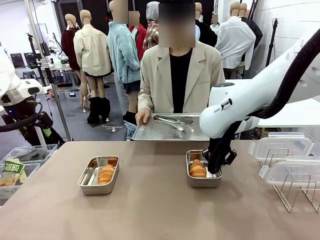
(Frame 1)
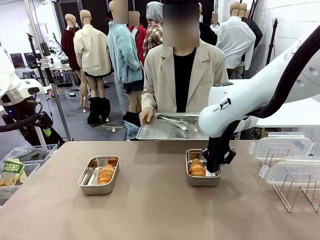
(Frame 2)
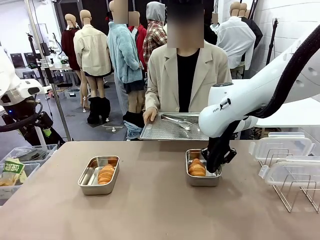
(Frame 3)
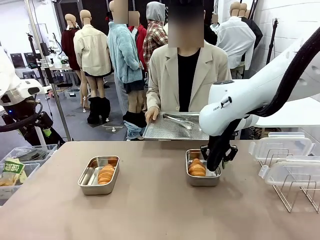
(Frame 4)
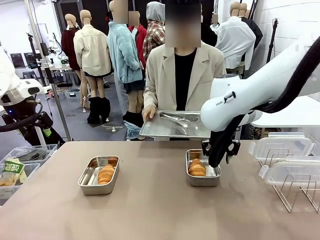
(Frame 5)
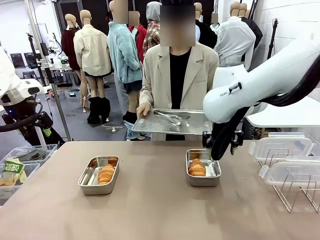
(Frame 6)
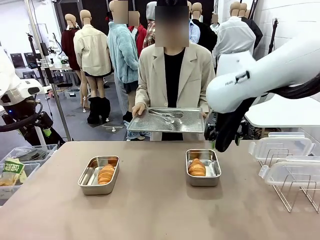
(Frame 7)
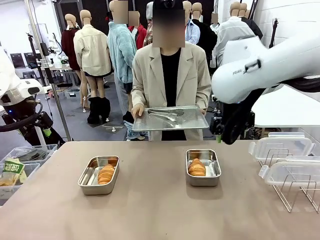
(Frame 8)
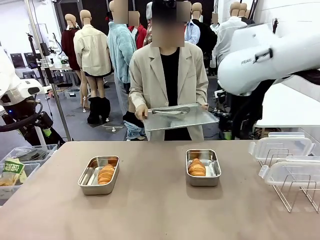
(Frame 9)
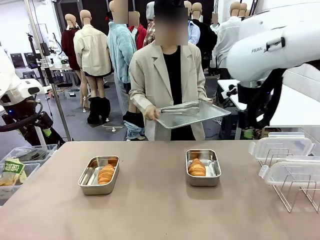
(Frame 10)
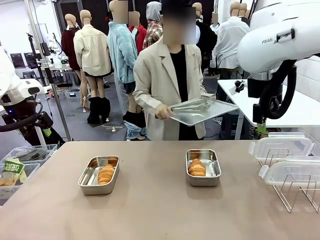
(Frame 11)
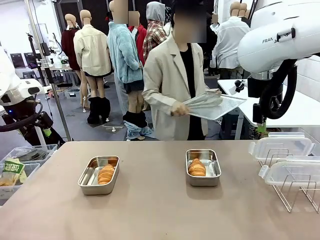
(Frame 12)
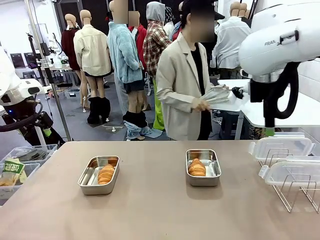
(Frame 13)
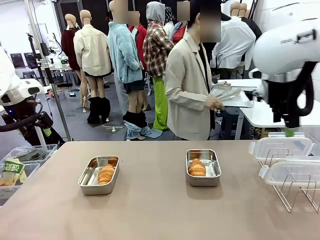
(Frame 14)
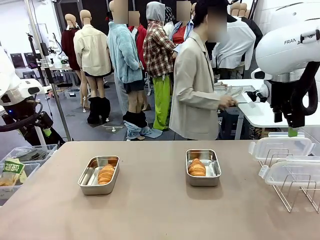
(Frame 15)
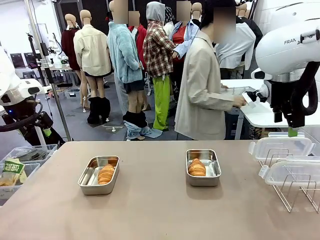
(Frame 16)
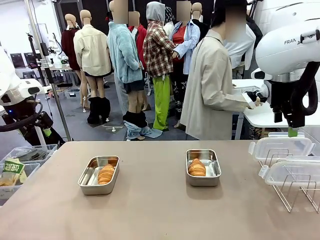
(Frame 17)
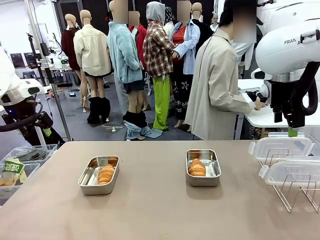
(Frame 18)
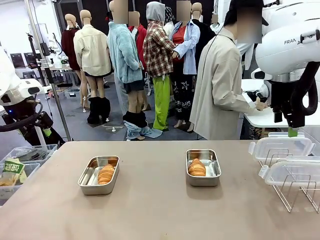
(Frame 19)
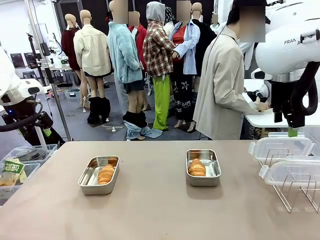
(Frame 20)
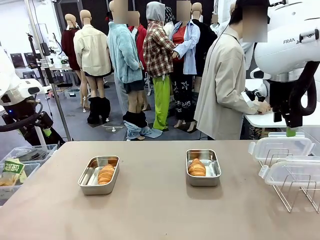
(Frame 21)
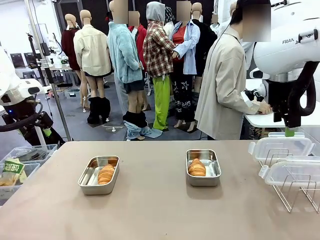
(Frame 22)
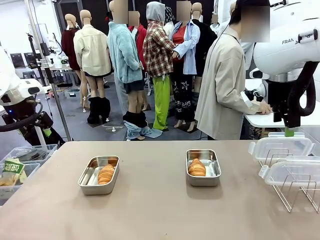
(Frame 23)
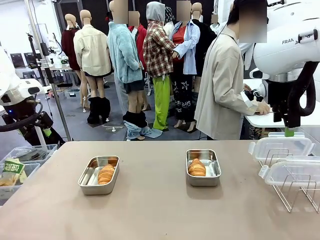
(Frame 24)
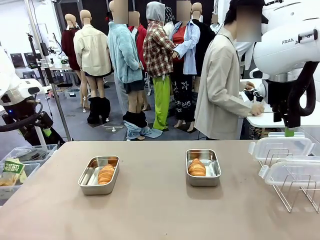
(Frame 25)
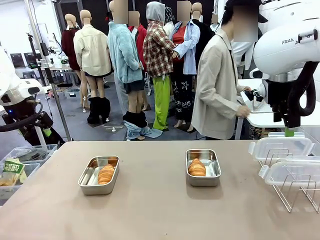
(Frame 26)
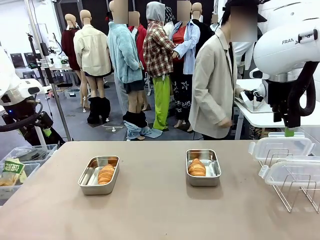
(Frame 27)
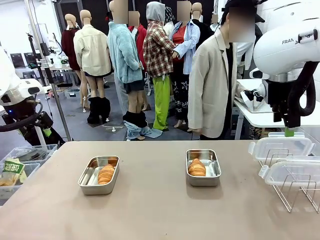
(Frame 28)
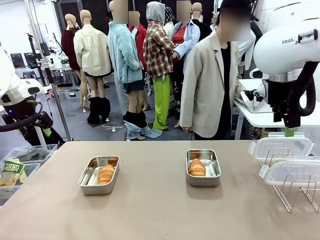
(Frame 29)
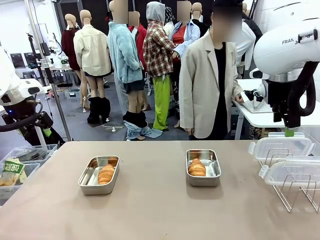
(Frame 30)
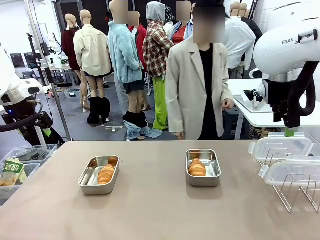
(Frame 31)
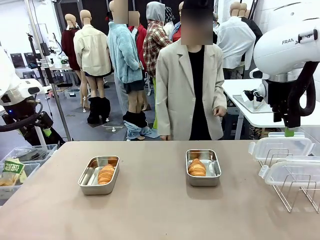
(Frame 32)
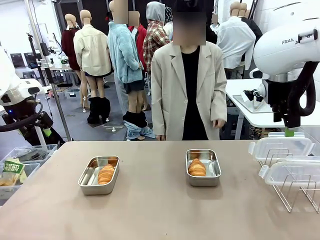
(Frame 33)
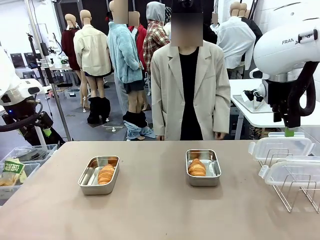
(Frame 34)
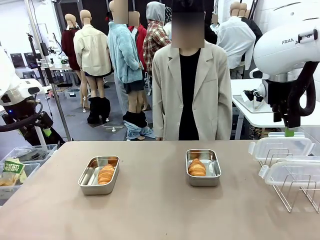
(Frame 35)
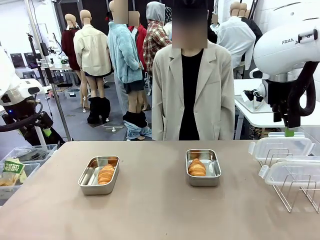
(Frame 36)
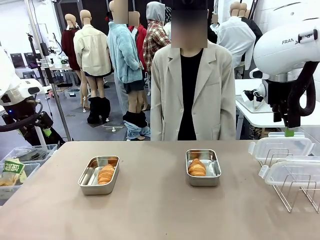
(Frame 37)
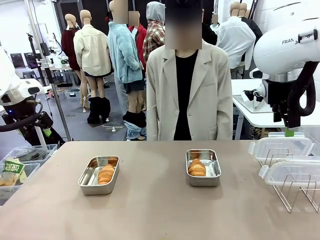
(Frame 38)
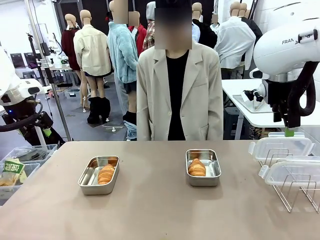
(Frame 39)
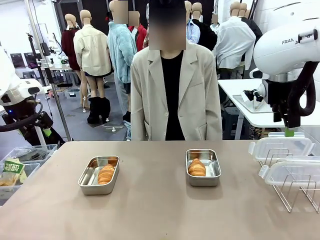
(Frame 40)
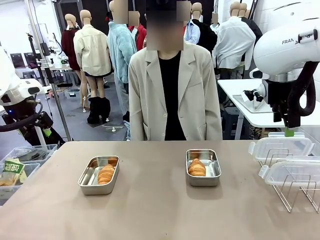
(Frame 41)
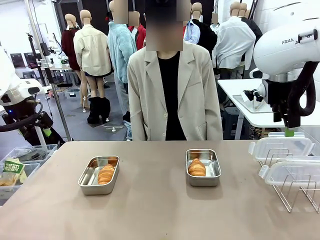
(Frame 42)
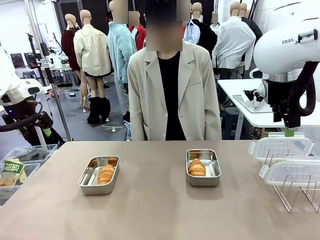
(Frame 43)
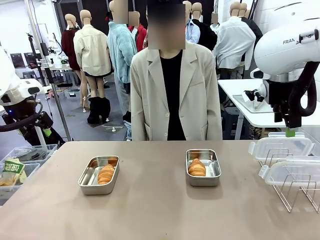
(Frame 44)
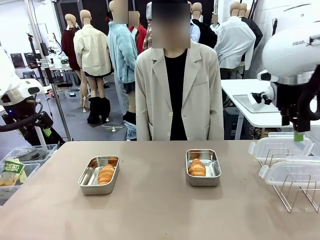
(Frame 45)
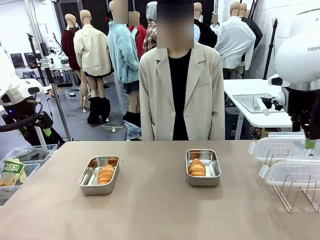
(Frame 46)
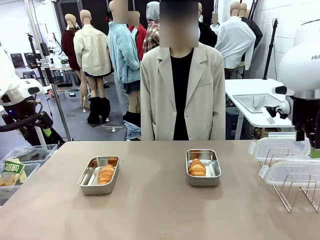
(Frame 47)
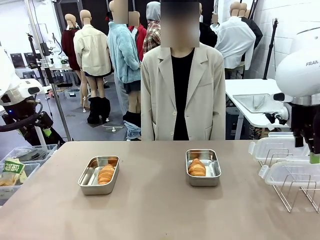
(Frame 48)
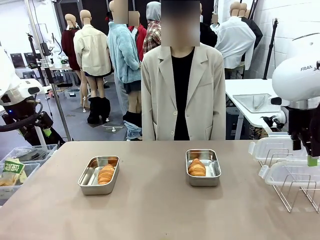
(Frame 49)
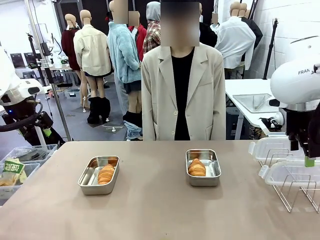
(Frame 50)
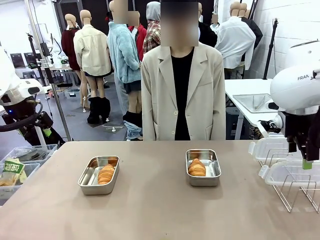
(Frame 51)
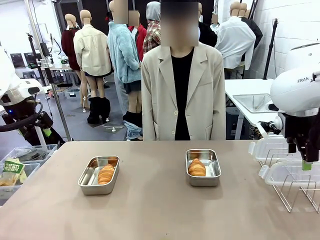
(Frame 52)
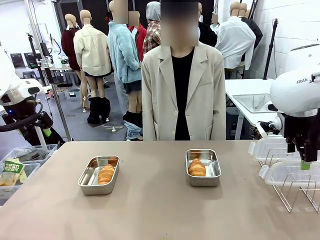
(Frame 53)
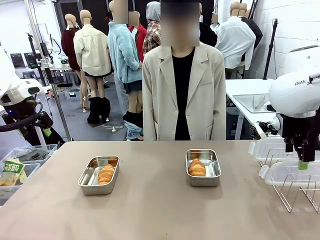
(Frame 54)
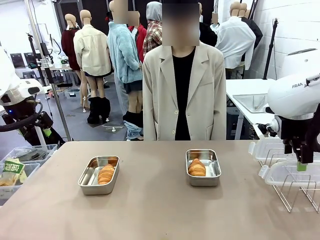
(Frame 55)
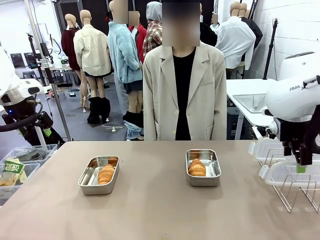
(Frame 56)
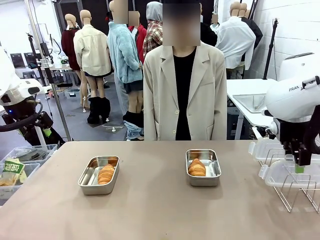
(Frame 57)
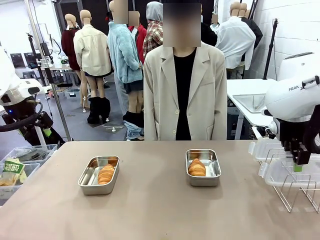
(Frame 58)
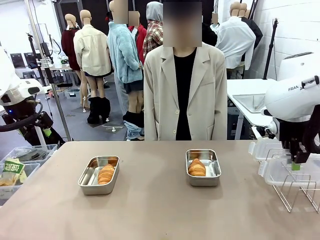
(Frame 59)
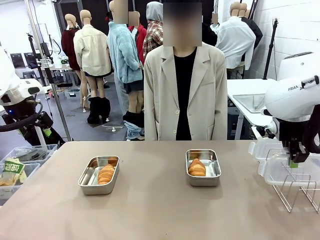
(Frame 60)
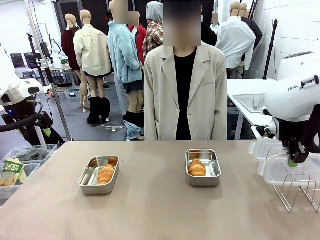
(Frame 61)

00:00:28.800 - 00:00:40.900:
Task: Place the bread in airtight containers.
Robot: Pick up one Airtight Container lid and hand it to the human.
Person: Place Baking Sheet on the Human's Table.

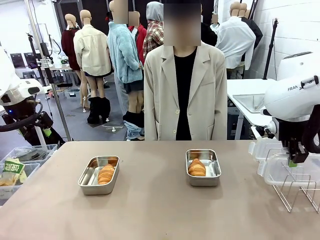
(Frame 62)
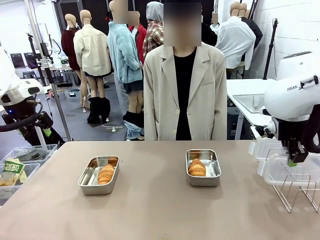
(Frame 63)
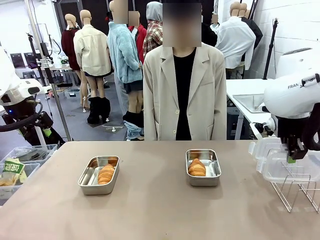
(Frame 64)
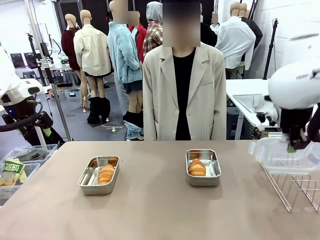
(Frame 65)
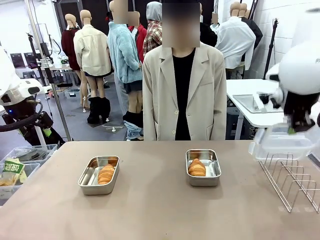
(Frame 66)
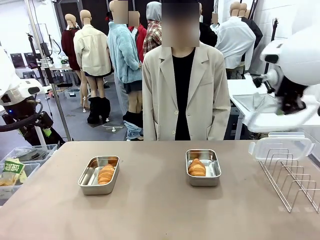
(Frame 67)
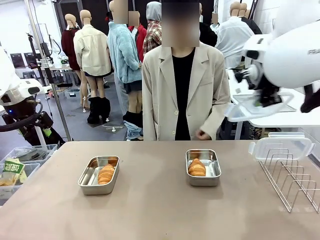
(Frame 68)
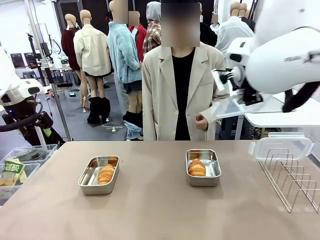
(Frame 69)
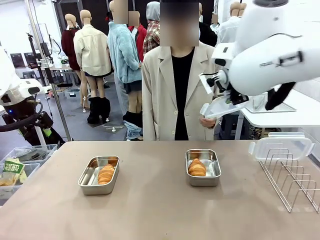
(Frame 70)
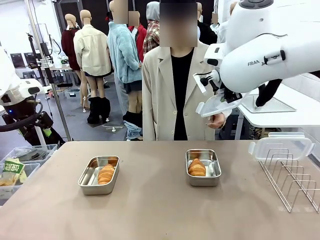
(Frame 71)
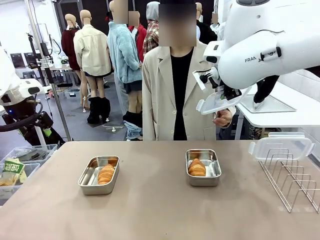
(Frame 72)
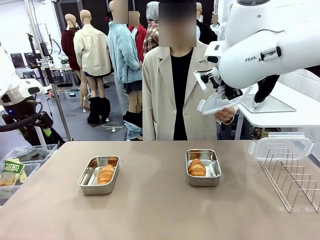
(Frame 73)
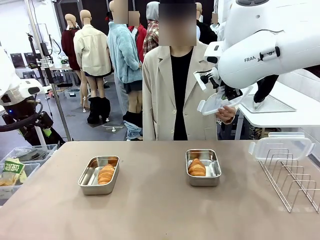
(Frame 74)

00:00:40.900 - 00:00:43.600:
Robot: Release when the human grabs the Airtight Container lid.

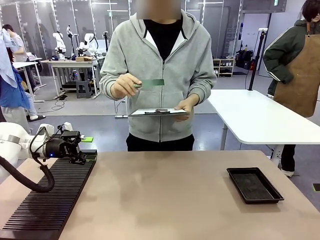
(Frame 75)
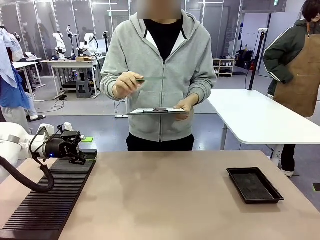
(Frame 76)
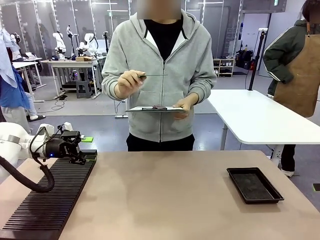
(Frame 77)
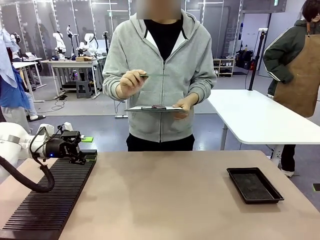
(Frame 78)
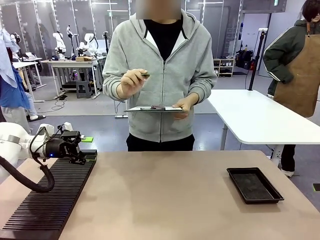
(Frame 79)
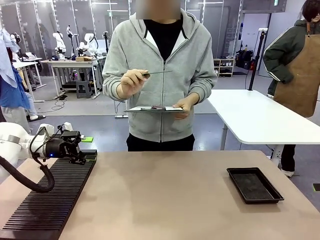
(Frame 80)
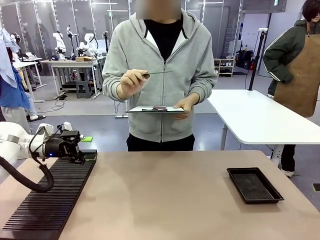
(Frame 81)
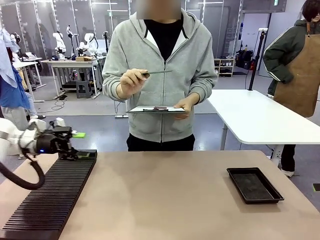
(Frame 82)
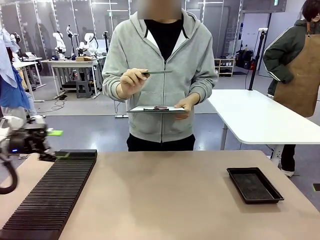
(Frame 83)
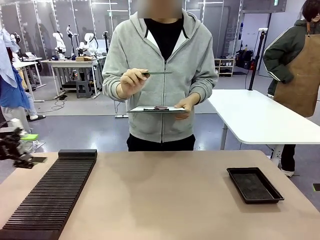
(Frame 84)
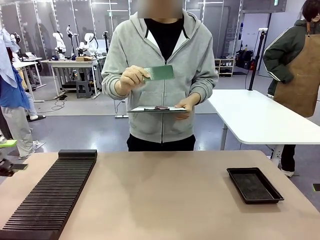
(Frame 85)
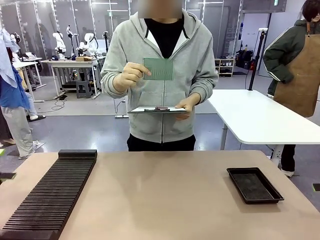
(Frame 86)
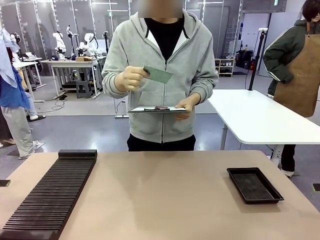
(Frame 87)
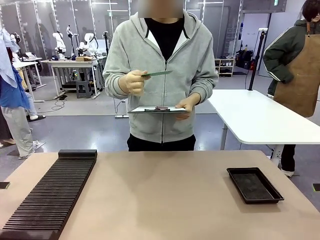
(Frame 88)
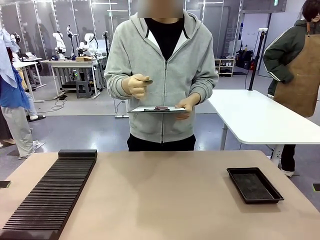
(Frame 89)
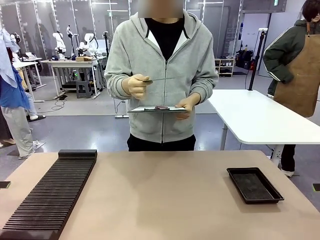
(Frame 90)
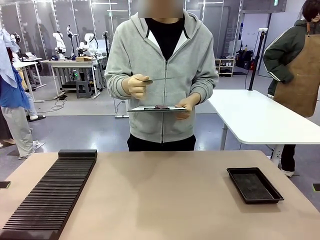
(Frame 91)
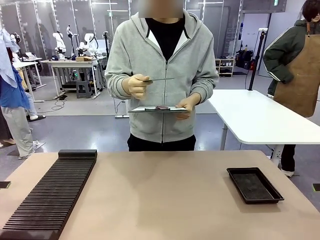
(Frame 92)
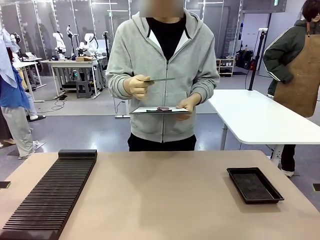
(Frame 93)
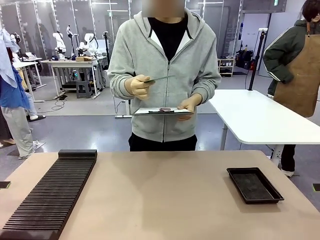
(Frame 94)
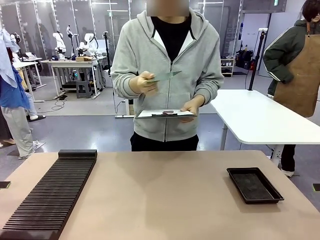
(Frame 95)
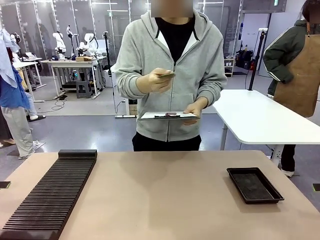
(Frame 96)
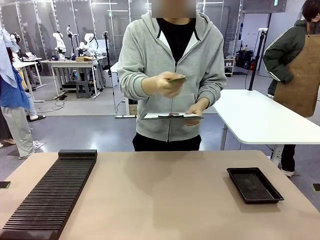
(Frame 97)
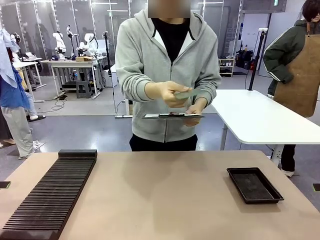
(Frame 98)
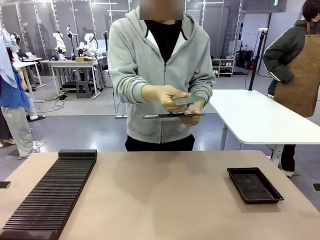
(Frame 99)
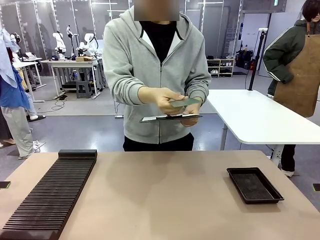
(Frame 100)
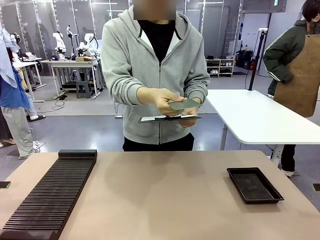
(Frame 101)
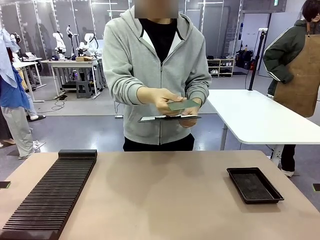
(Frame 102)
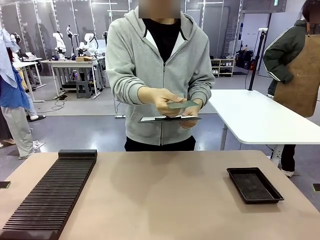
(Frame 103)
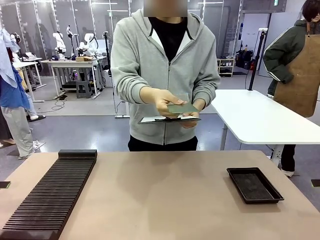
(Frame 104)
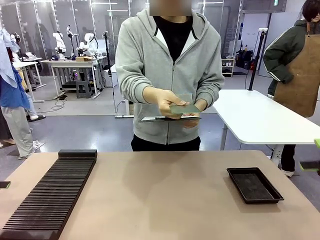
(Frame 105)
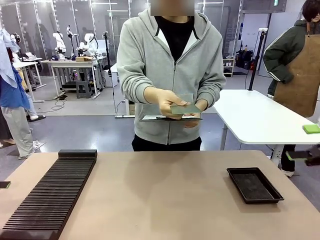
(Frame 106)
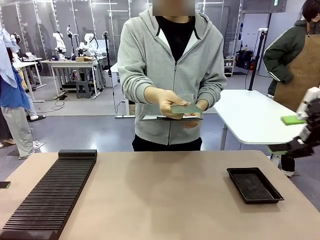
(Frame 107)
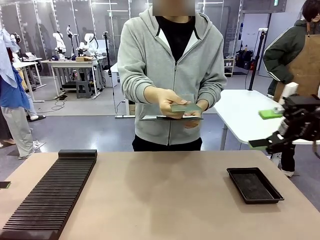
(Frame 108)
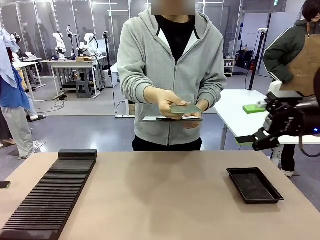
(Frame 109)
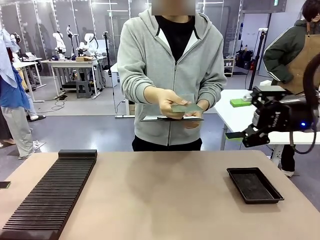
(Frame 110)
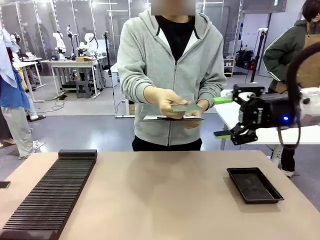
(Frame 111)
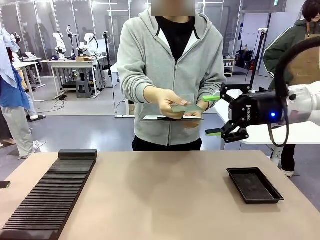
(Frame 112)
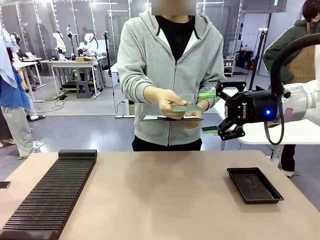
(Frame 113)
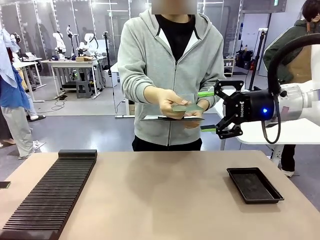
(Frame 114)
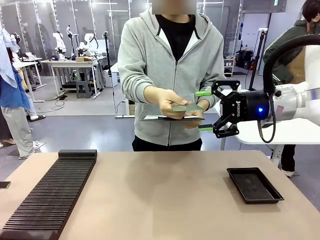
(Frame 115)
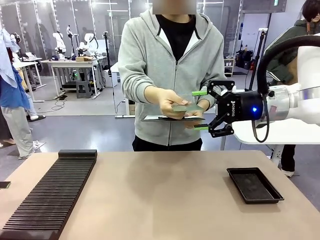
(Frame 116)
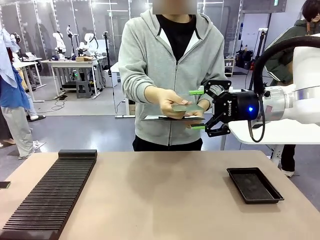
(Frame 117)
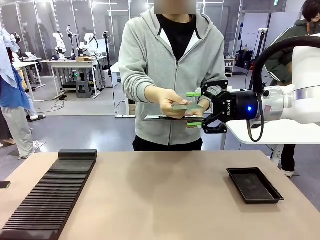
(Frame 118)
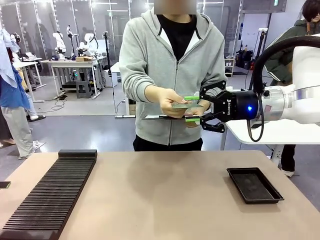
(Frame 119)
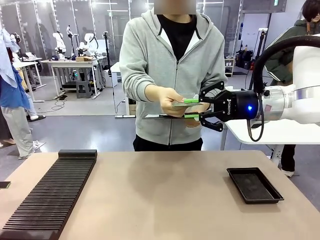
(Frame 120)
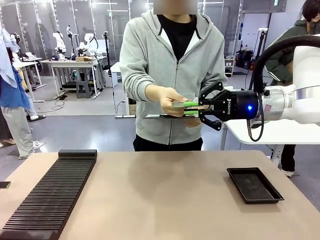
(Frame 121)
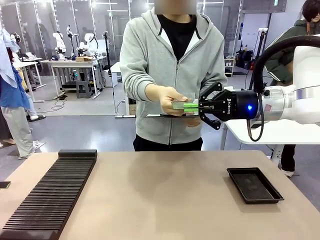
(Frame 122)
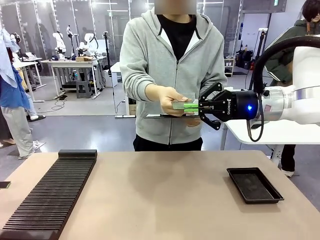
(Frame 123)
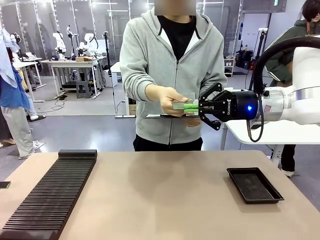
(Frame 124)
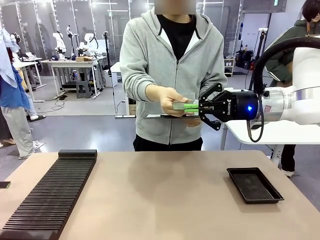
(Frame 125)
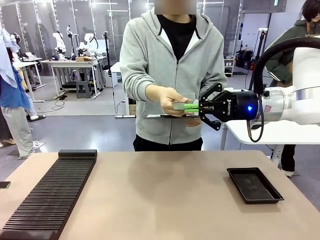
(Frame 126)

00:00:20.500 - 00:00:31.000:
Task: Inspect the PCB.
Robot: Pick up the Blank PCB that the human is holding.
Person: Inspect the PCB placed by the robot, then hold it out in front of the robot. Release the PCB you were holding.
